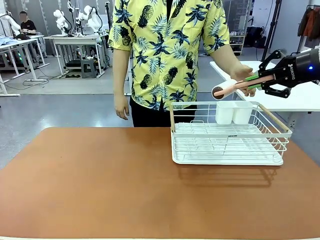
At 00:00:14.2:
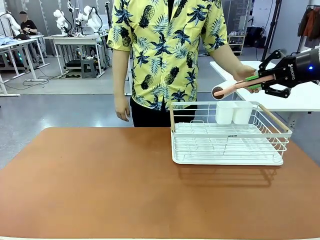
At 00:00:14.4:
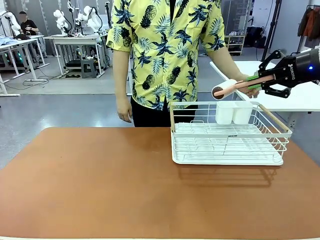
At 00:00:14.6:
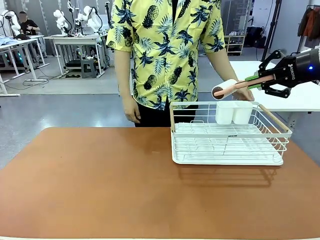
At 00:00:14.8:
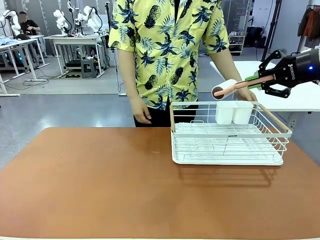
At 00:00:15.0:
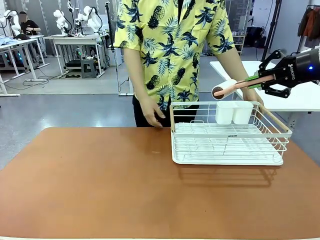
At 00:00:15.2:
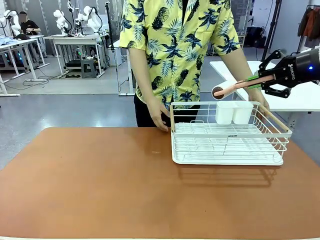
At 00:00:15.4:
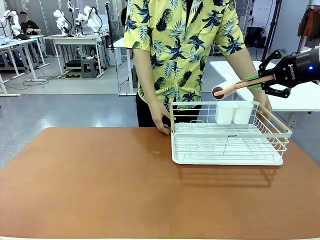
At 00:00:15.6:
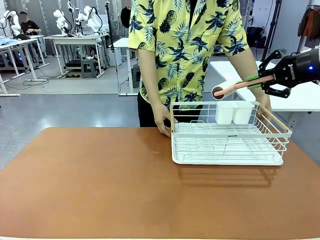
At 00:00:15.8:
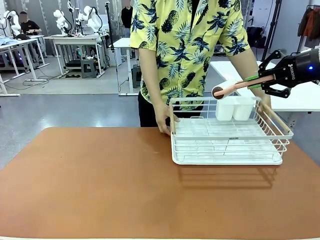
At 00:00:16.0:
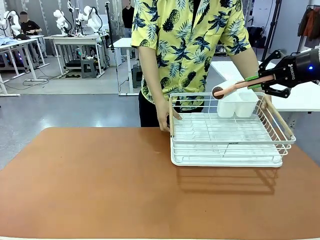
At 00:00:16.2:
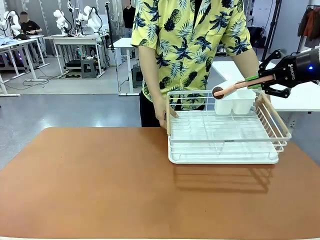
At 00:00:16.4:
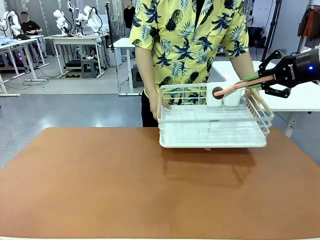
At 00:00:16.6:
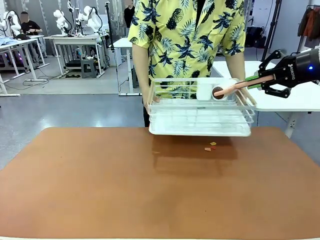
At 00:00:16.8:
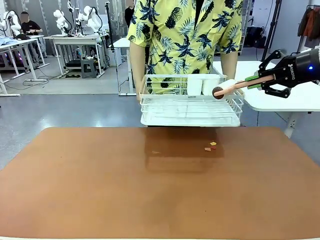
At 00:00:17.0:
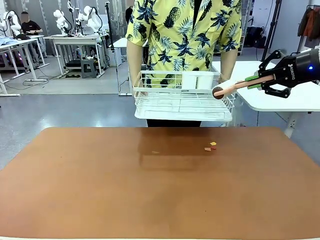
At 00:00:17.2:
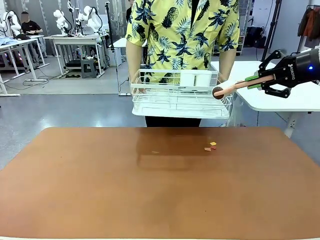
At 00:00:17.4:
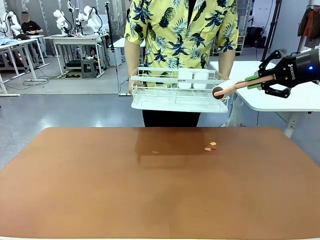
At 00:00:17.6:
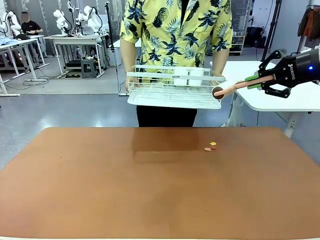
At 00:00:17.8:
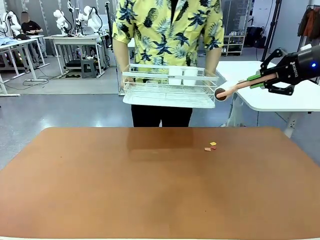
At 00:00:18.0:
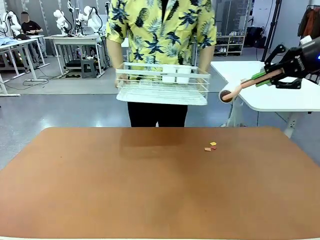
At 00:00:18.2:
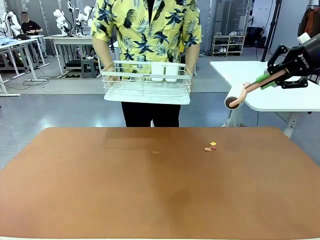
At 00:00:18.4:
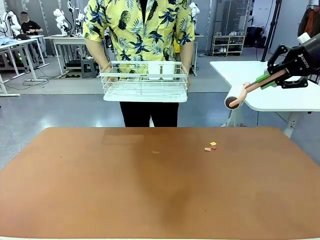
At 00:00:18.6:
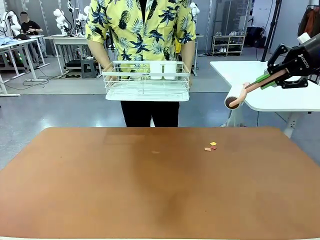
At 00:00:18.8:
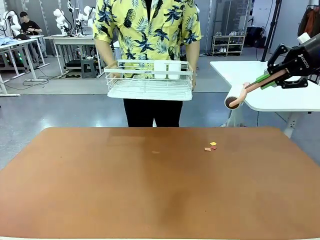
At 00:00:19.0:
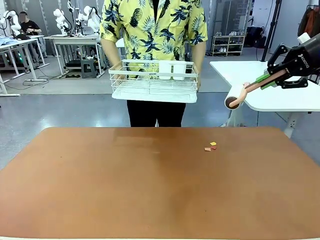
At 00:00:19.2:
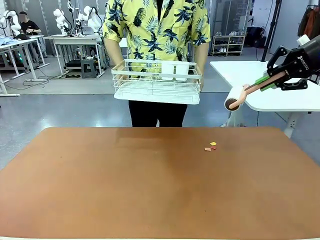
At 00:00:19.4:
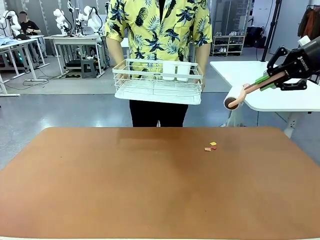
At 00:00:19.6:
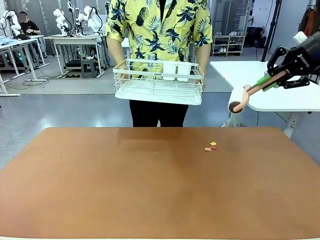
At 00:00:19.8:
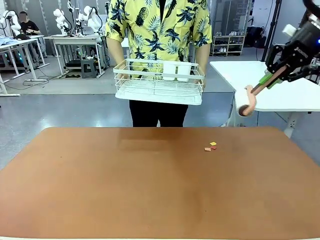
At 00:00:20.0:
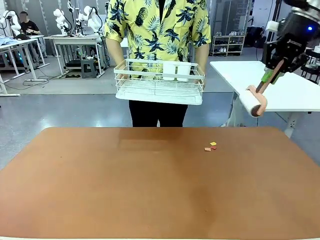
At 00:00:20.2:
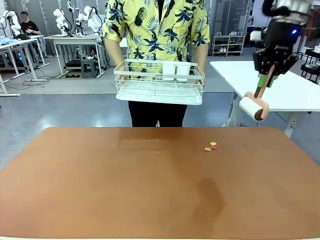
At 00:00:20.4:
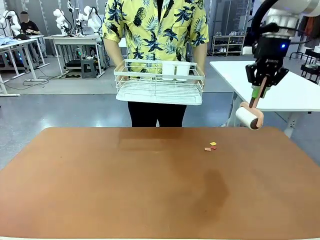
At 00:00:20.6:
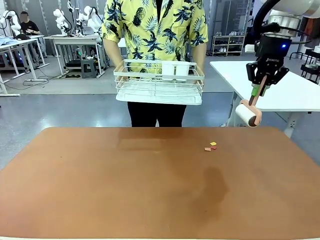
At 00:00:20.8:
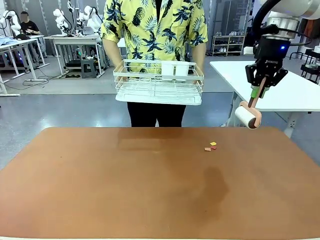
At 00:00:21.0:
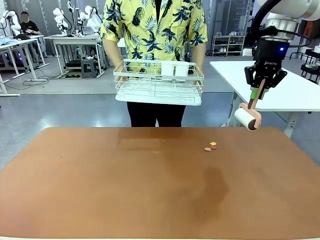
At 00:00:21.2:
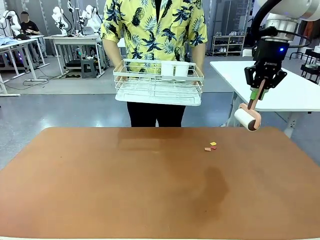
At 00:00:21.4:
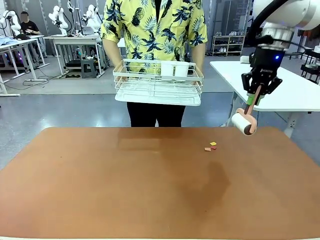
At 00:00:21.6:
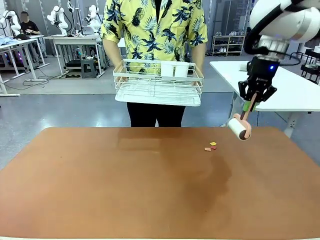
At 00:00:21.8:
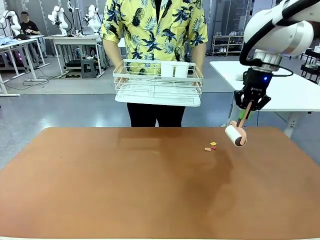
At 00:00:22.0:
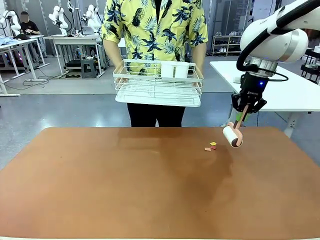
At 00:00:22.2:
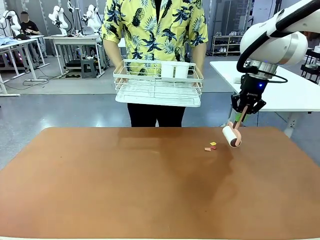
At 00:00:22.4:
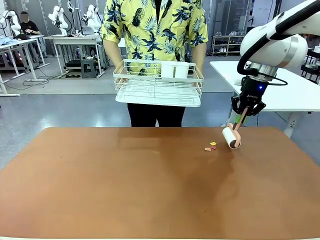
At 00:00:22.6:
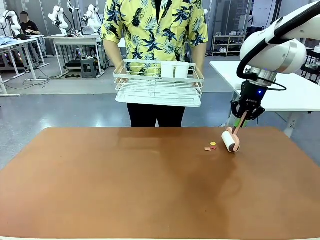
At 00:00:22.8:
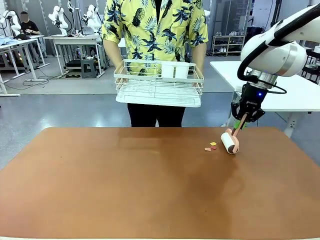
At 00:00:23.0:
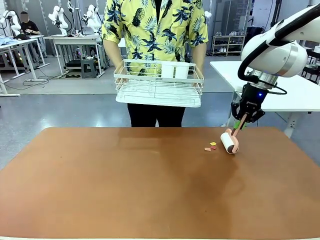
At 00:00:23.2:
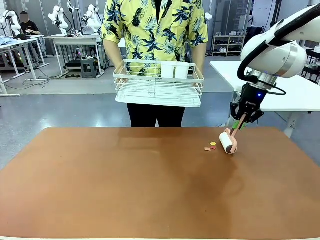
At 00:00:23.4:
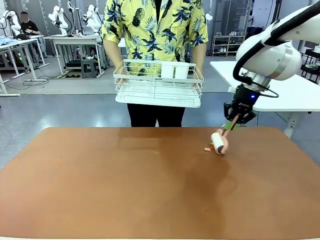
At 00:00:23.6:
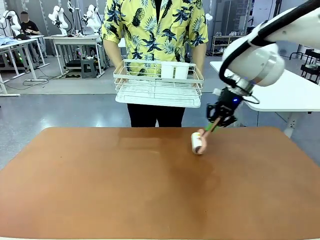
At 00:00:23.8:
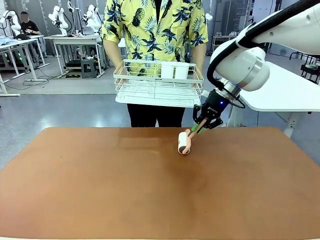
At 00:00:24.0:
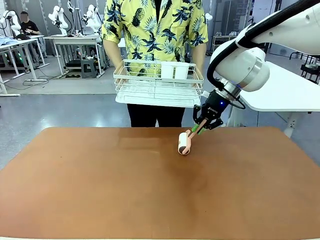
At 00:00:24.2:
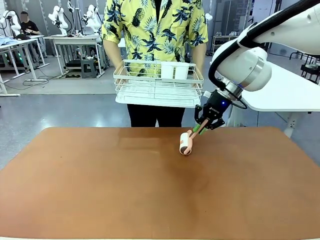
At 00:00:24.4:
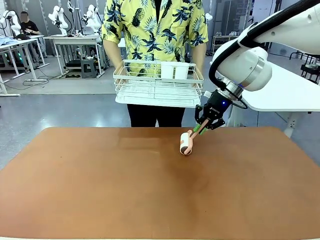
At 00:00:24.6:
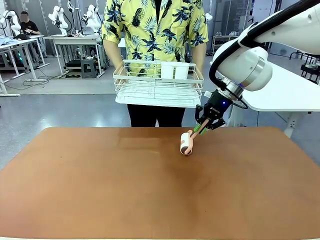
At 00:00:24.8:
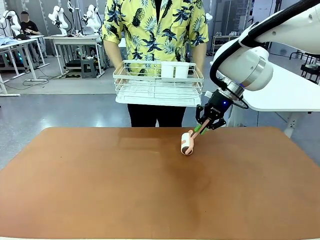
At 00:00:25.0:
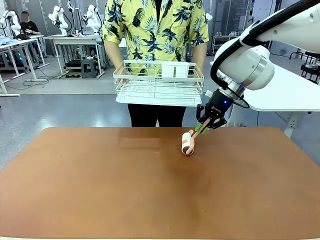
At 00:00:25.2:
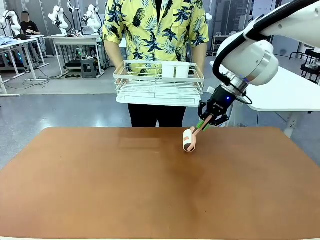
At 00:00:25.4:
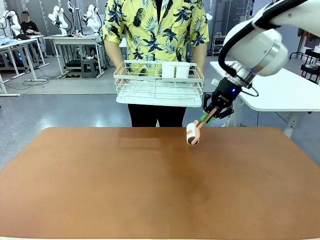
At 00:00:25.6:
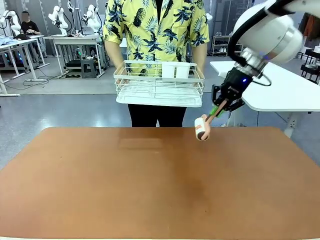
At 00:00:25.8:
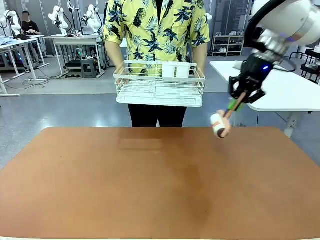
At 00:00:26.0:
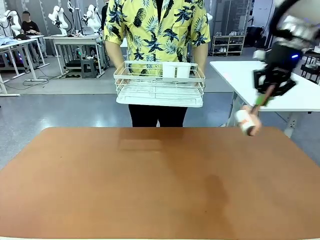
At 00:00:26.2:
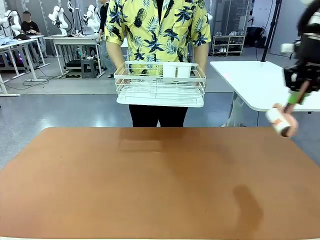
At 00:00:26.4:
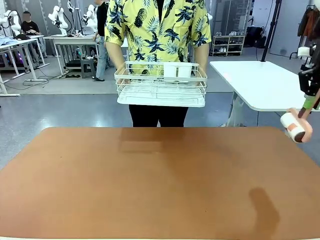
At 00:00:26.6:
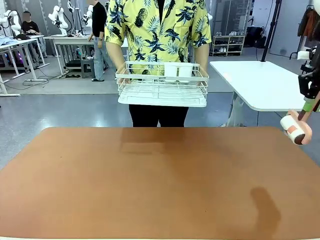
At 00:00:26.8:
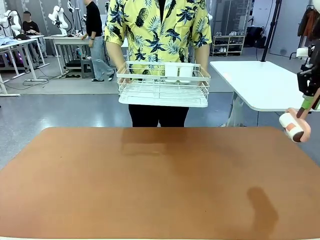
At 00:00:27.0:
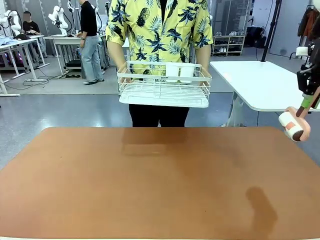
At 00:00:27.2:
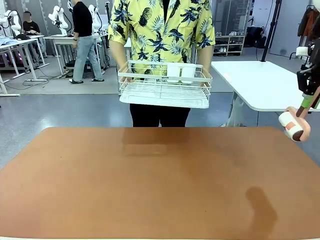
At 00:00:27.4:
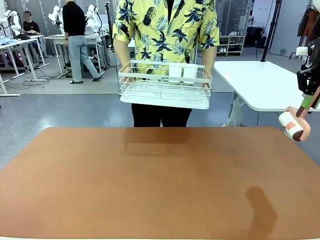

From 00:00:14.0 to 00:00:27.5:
Task: Clean the table.
Robot: Clean the table with the Lint Roller when the human lifts the Dish drying rack.

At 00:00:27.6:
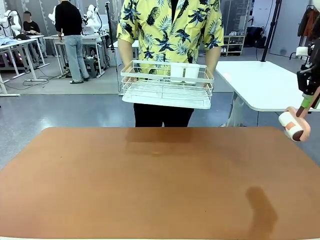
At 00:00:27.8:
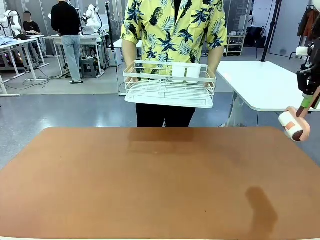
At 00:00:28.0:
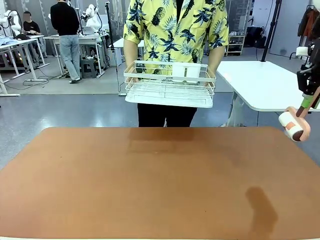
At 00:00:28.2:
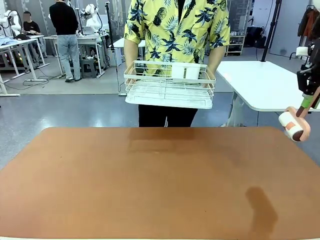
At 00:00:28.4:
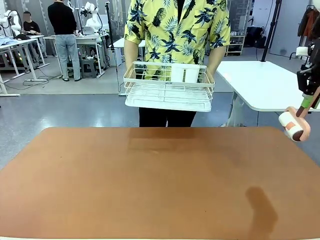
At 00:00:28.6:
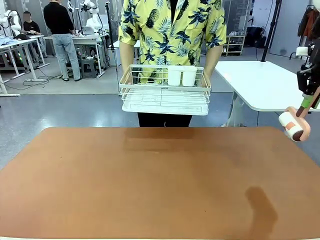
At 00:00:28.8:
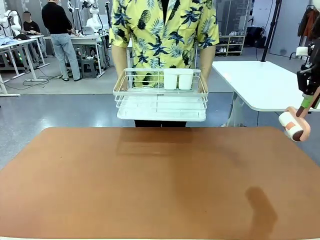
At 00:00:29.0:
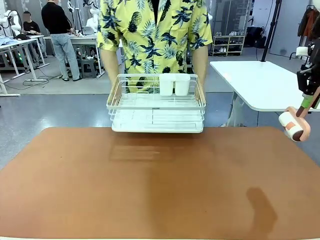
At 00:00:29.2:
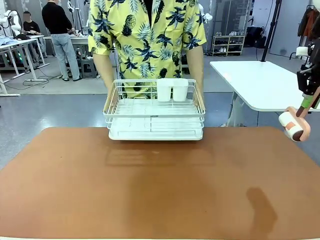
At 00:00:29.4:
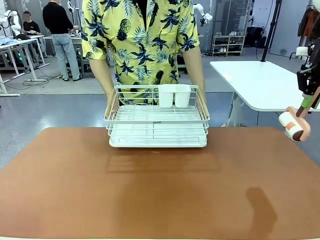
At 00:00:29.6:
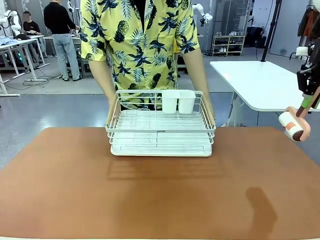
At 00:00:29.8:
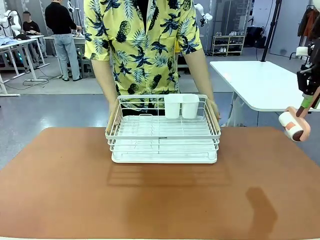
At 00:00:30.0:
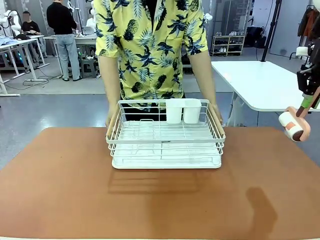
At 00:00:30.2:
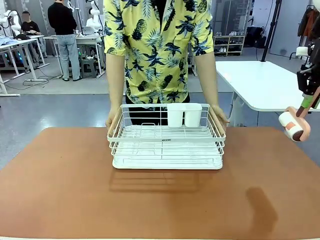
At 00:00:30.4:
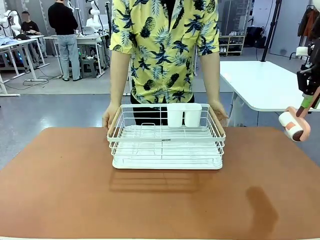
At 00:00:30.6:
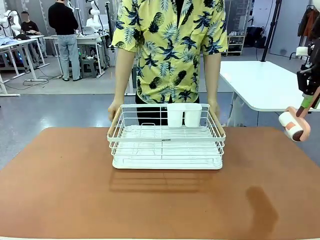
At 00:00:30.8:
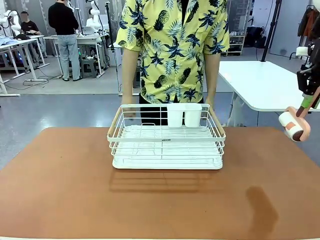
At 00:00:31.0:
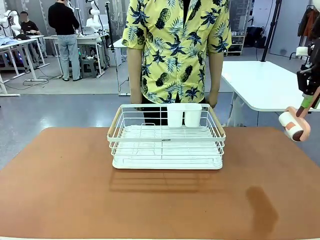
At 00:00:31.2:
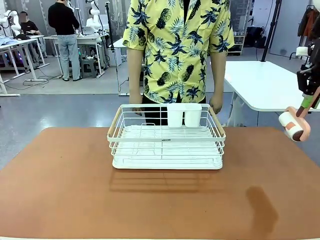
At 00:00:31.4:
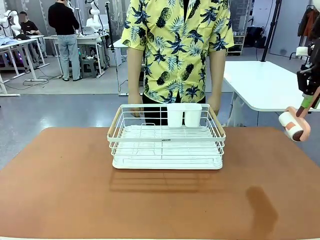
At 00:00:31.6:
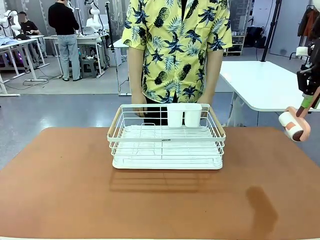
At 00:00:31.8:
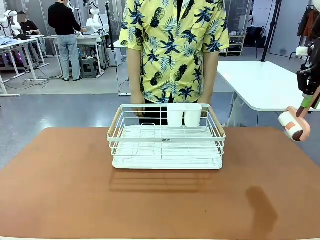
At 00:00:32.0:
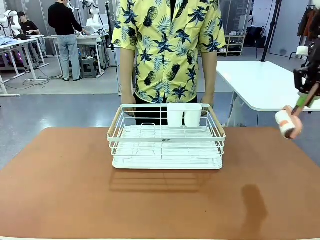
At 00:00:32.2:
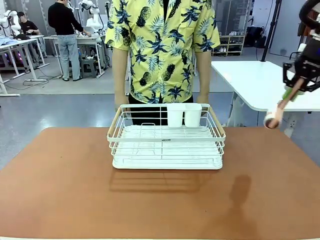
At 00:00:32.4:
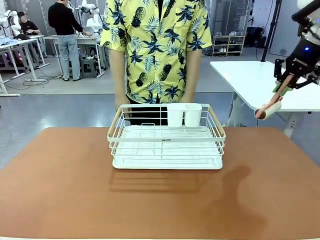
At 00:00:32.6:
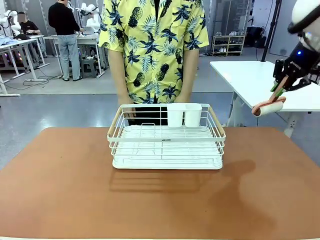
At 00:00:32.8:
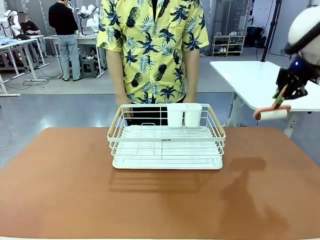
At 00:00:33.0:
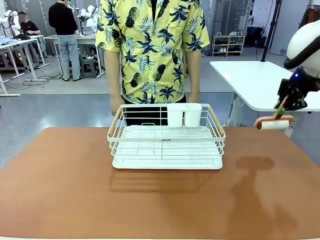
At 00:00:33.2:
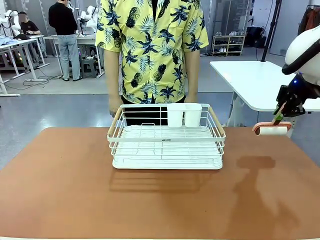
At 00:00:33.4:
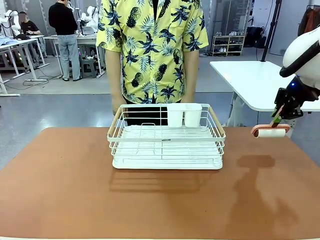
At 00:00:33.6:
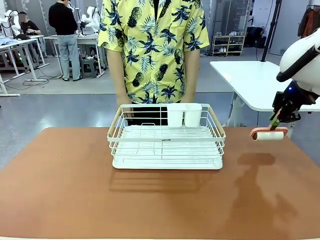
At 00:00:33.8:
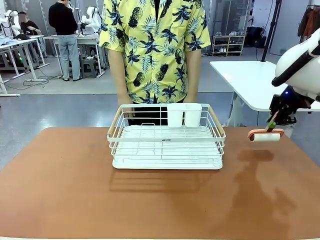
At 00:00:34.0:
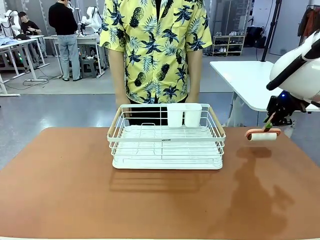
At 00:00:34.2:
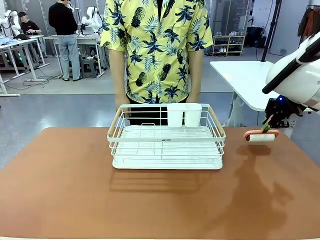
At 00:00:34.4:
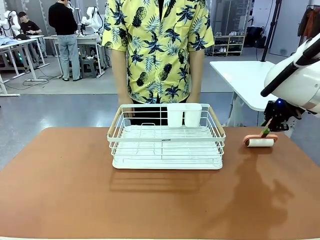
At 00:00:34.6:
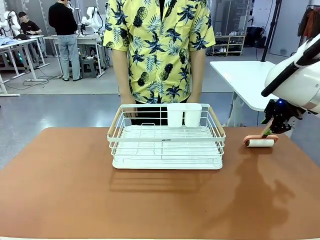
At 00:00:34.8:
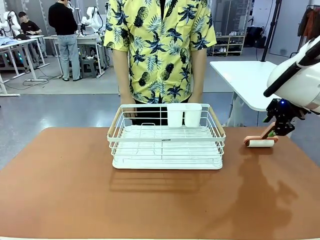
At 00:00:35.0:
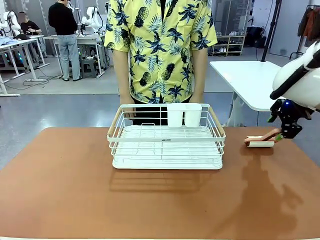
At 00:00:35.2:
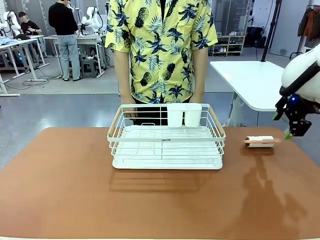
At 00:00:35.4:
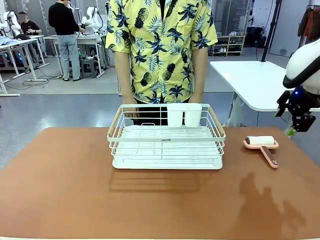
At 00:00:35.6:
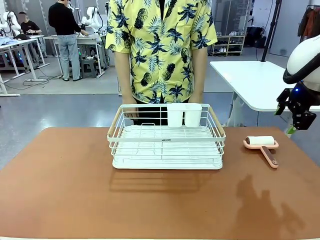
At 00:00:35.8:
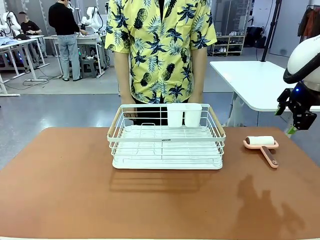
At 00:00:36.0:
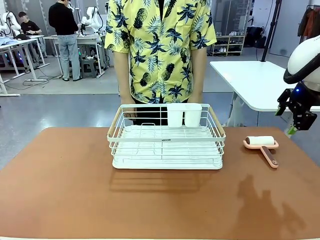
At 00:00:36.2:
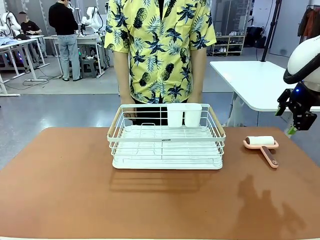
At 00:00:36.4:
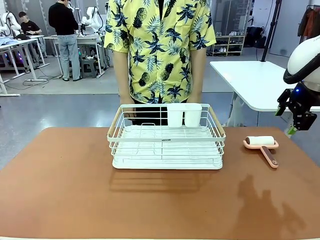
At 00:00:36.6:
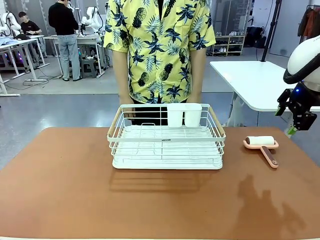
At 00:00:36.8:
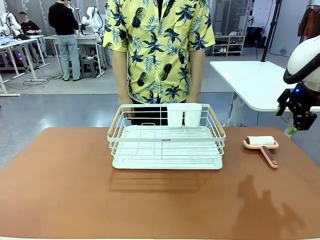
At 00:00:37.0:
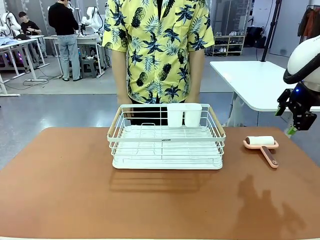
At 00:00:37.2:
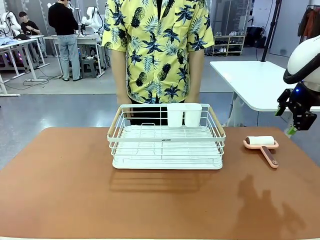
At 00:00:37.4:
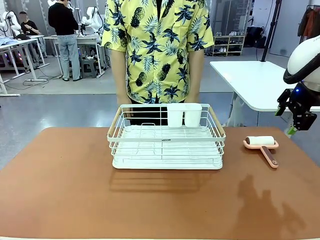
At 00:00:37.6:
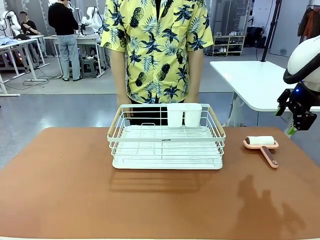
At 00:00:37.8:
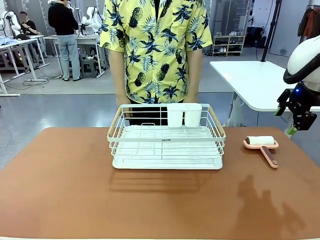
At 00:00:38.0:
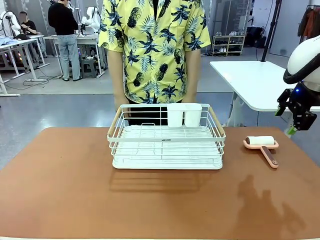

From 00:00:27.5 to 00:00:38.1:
Robot: Place the Lint Roller down when the Dish drying rack is positioned in the middle of the table.
Person: Place the Dish drying rack down when the robot finishes cleaning.
